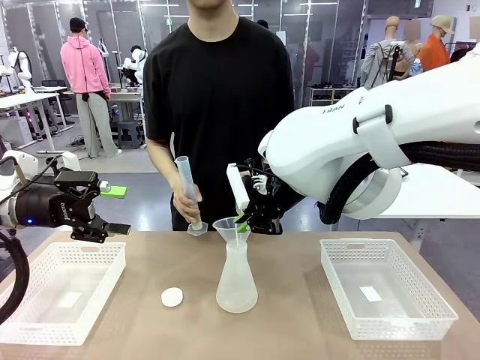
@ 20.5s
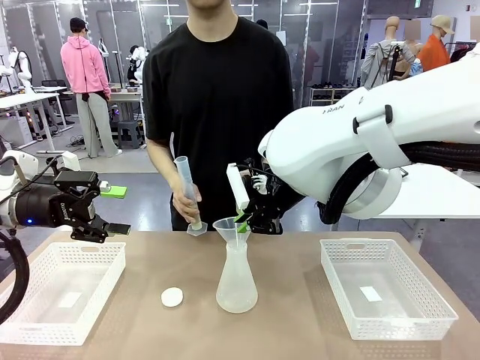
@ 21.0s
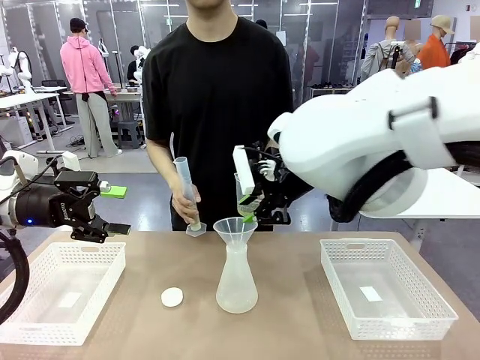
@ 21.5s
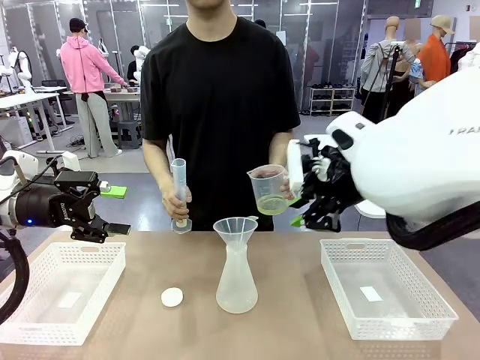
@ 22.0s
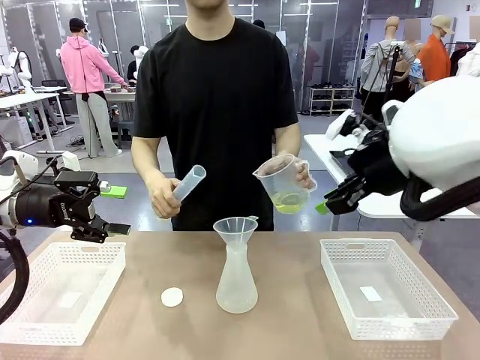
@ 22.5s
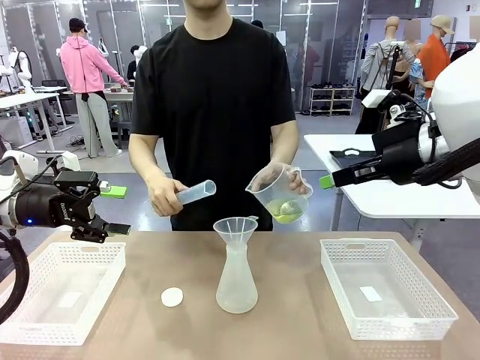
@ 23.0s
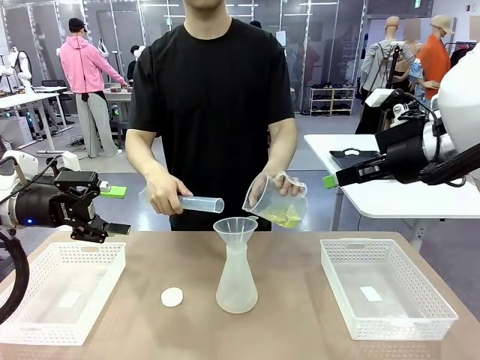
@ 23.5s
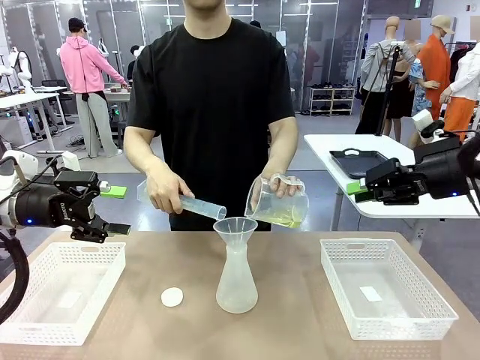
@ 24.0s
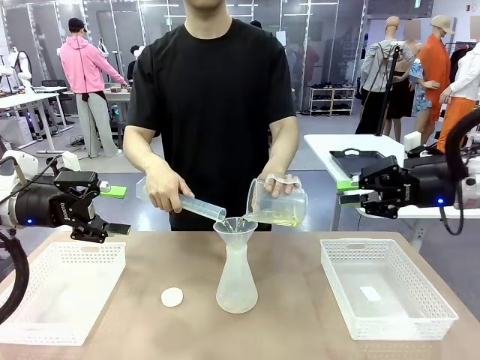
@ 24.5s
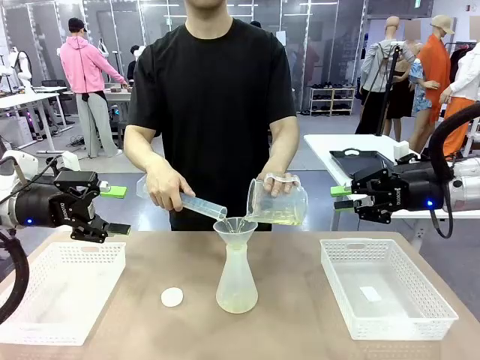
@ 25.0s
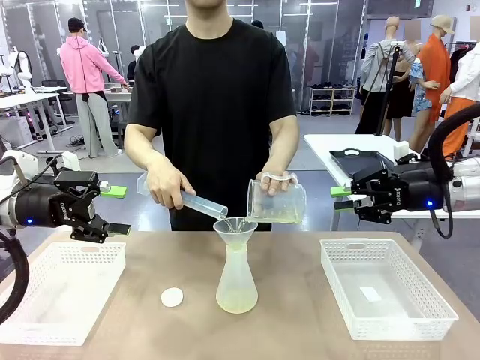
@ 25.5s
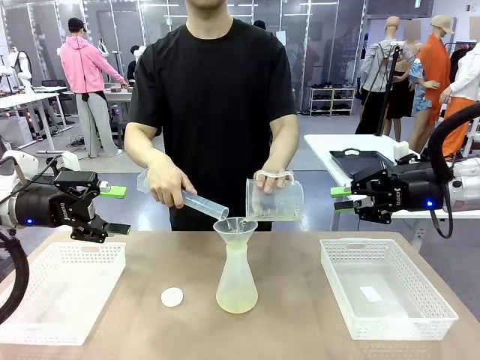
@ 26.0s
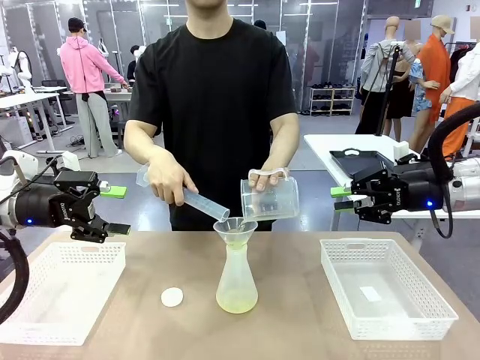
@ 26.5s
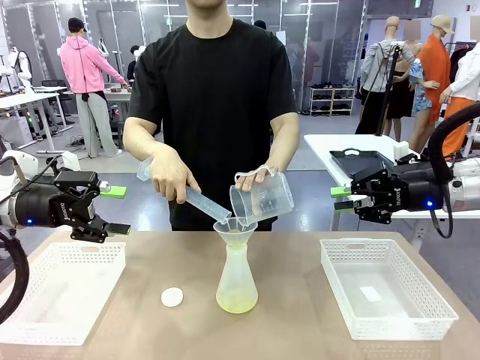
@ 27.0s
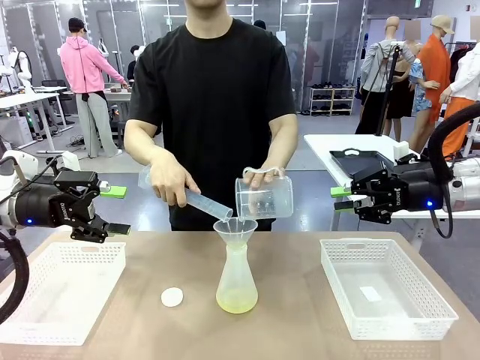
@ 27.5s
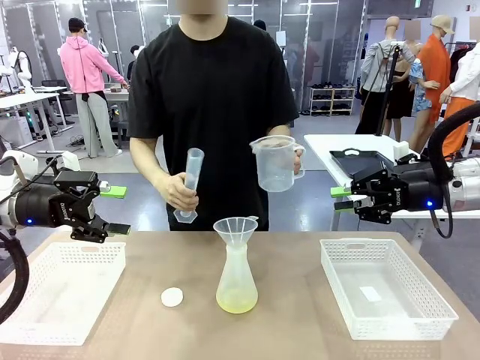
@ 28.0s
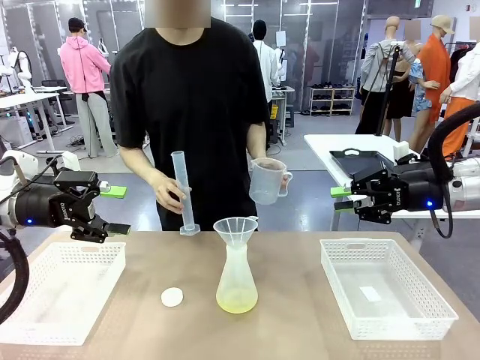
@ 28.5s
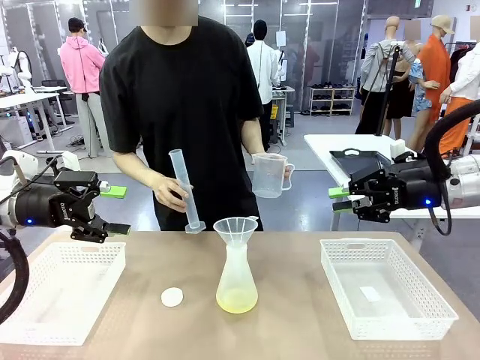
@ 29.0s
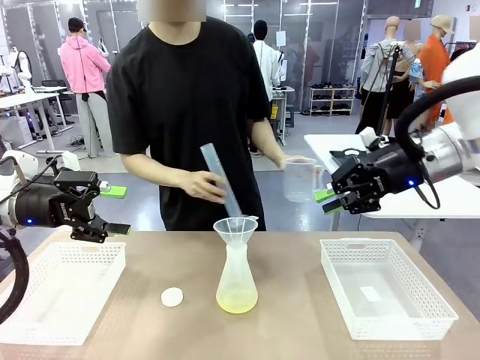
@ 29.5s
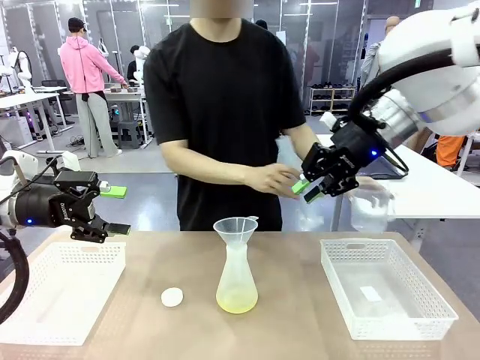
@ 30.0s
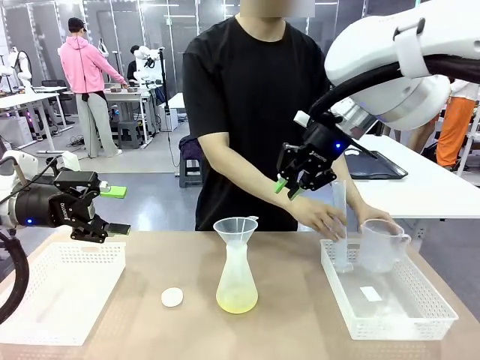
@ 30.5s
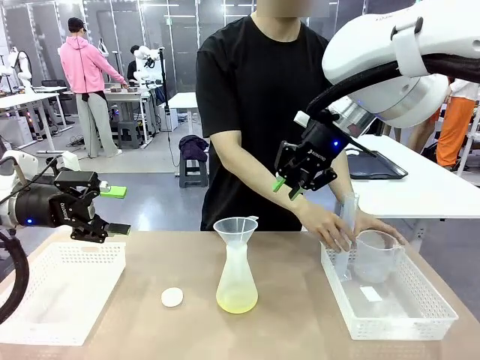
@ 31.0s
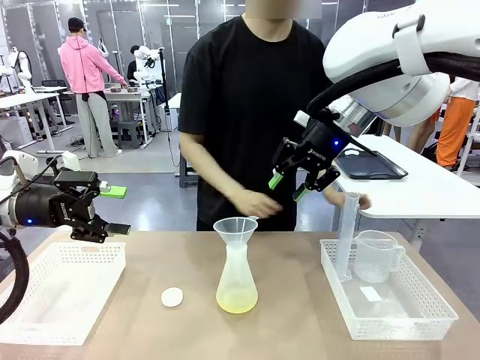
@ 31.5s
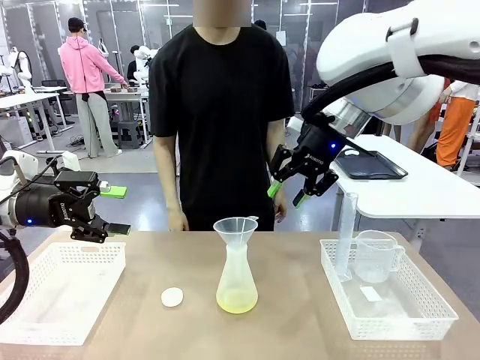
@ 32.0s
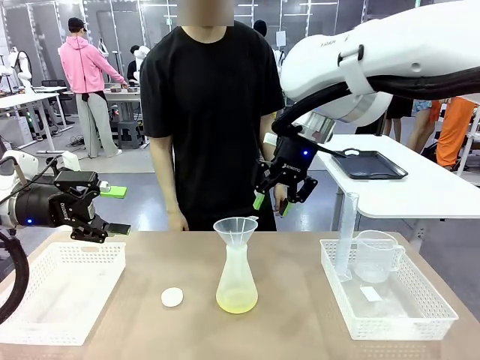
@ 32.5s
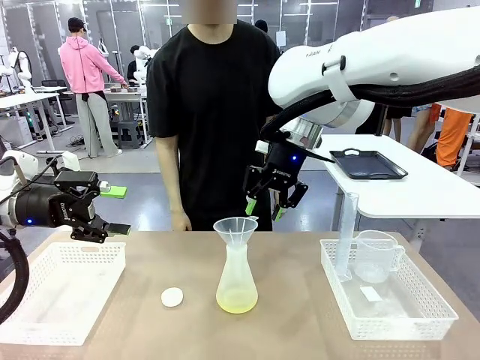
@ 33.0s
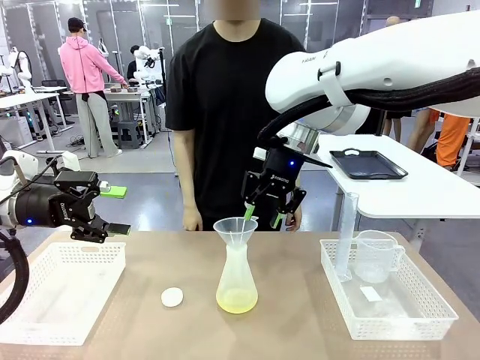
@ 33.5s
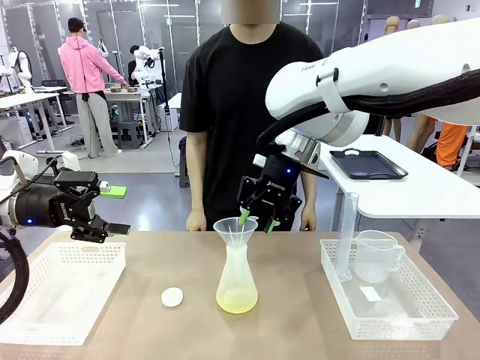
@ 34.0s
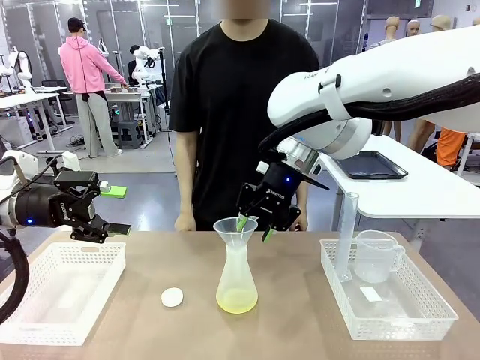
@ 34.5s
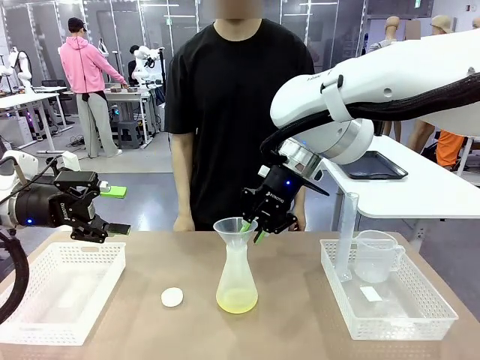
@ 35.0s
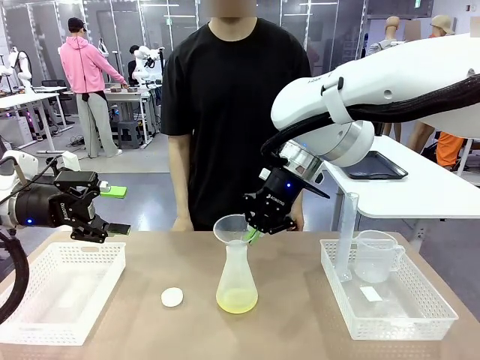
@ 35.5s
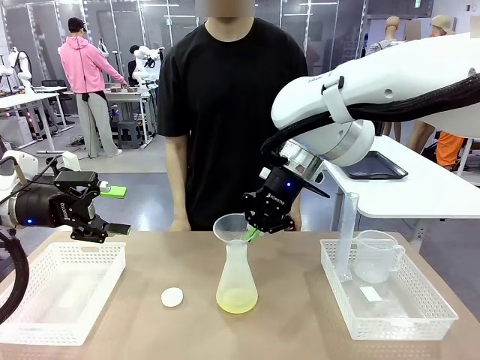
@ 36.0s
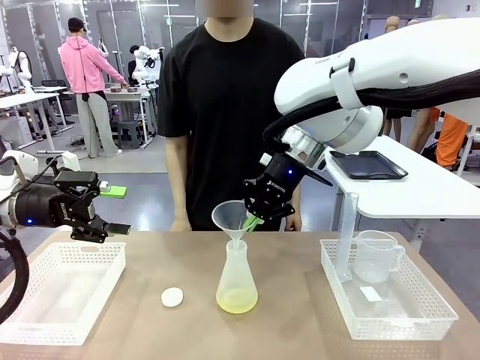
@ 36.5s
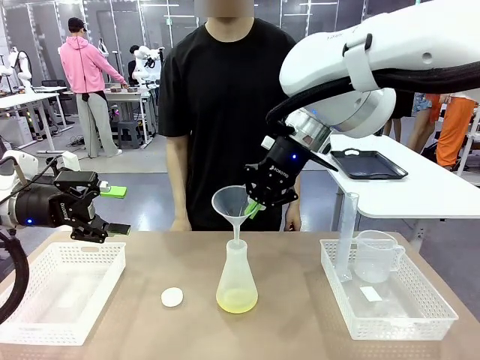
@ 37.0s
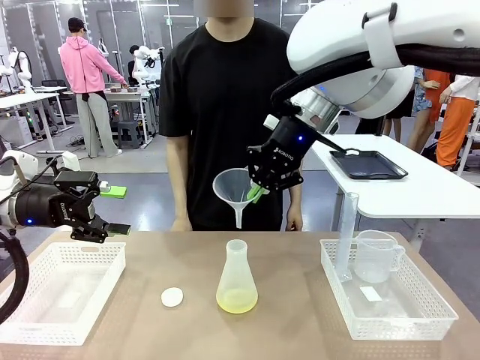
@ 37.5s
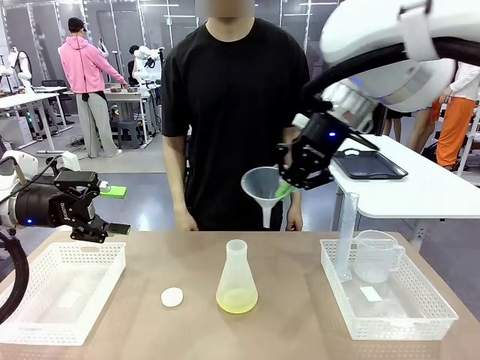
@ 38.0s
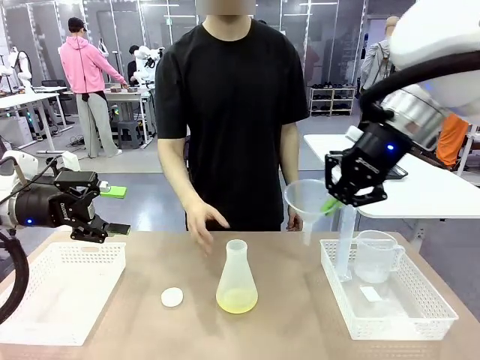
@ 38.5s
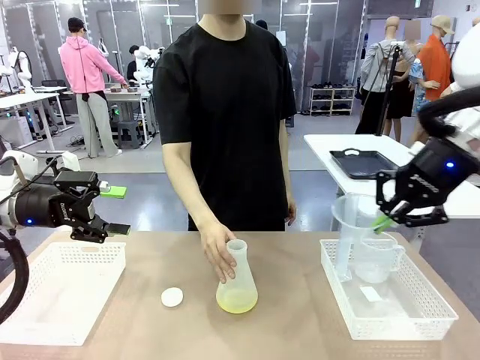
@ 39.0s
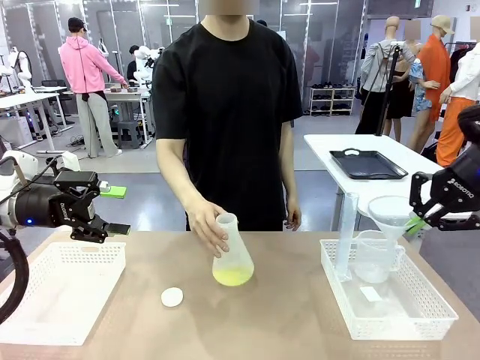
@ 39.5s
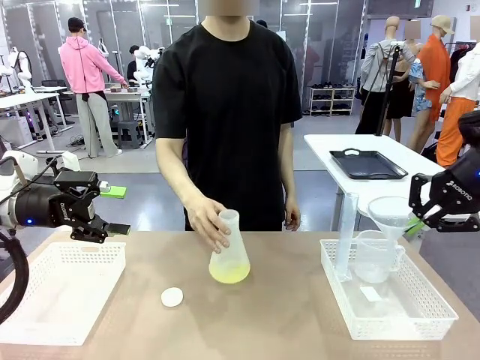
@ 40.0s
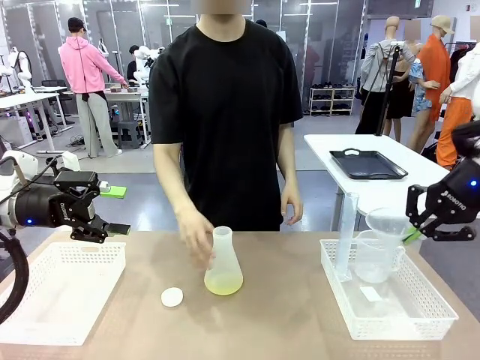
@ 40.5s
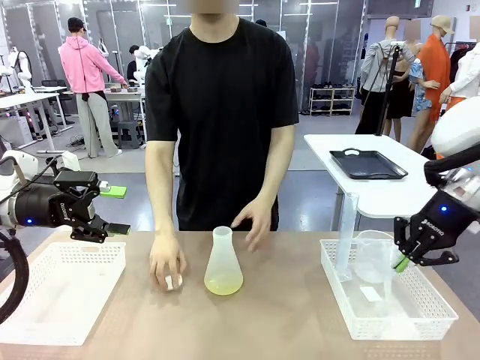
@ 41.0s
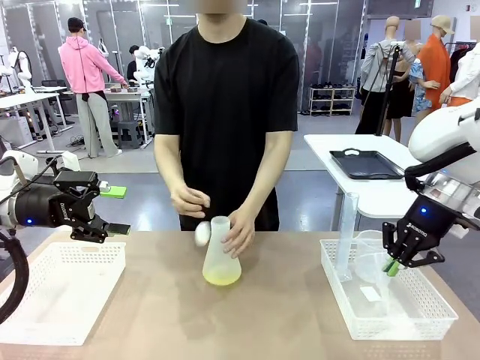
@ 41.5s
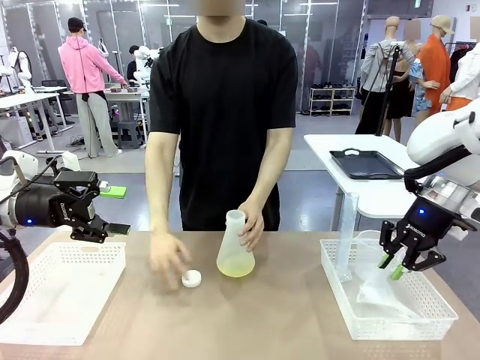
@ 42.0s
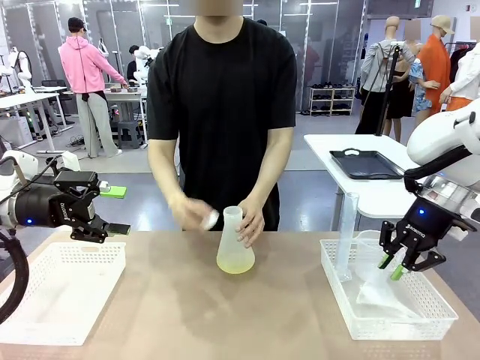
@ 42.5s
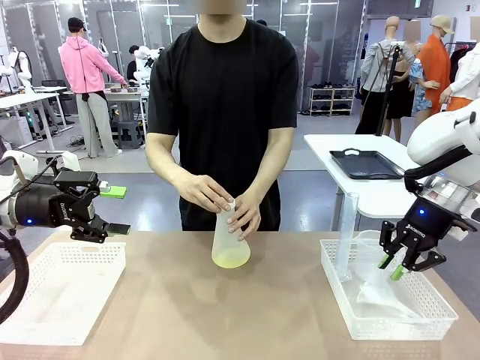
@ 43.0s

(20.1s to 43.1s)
Task: Prepare the solutions needed for the experiment.
Robot: Once the solution is in the Big flask , pick up the Plastic Funnel and place it back into the right Organizing basket.
Person: Place the beaker and the cylinder into the organizing basket on the left side. Pick up the flask, gently shake it 2–3 times, place it in the middle of the robot table, and close the lid.
